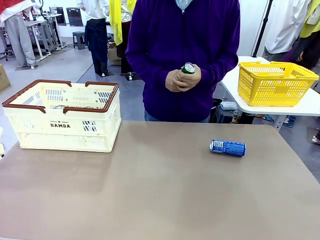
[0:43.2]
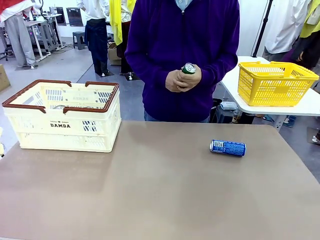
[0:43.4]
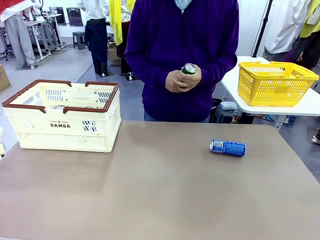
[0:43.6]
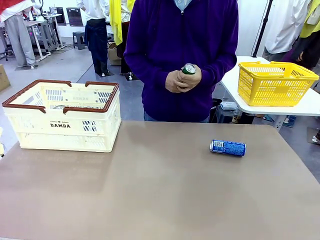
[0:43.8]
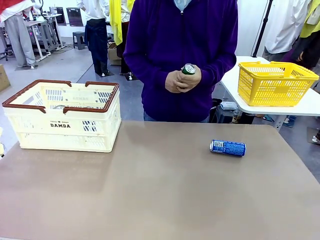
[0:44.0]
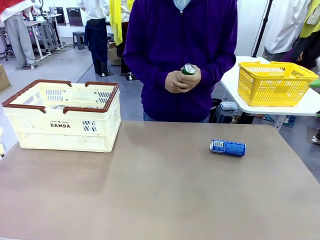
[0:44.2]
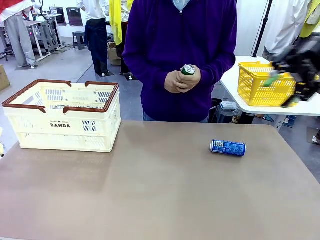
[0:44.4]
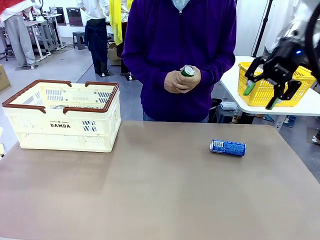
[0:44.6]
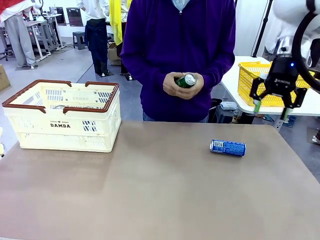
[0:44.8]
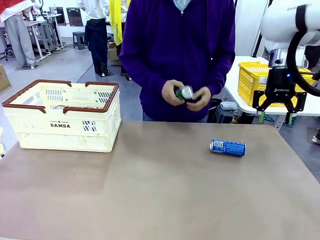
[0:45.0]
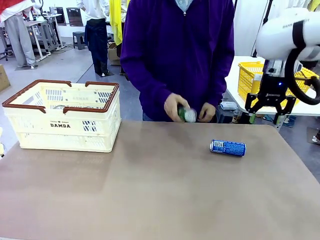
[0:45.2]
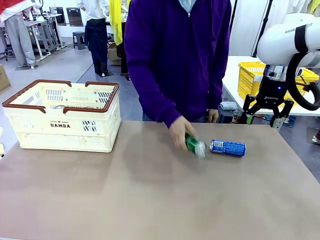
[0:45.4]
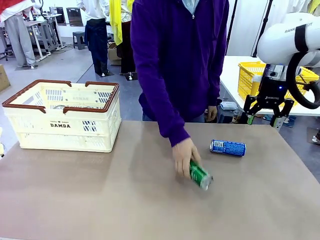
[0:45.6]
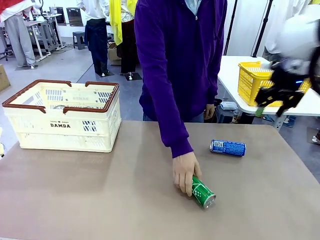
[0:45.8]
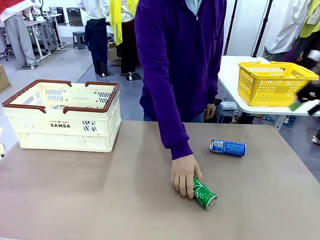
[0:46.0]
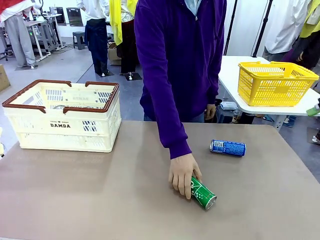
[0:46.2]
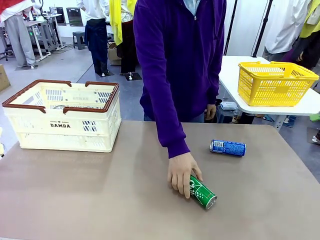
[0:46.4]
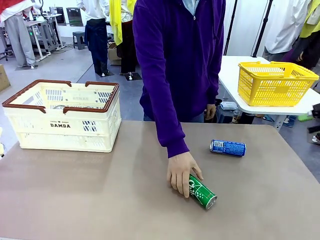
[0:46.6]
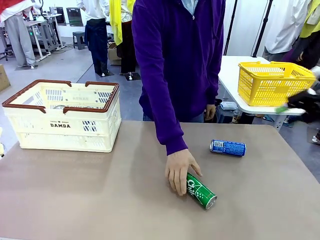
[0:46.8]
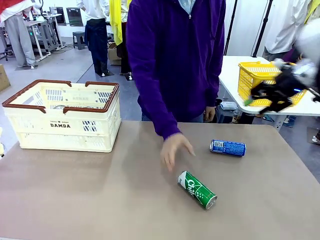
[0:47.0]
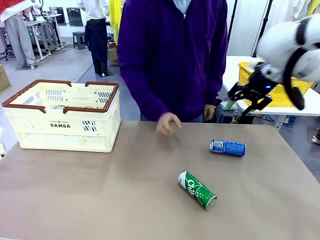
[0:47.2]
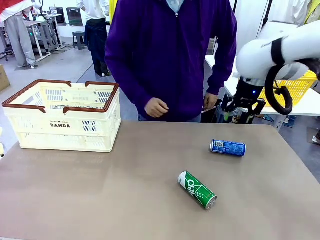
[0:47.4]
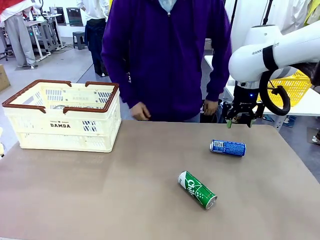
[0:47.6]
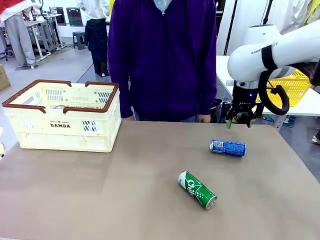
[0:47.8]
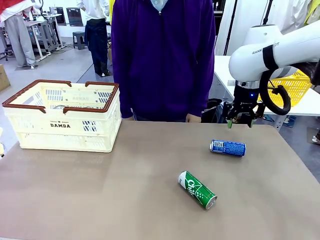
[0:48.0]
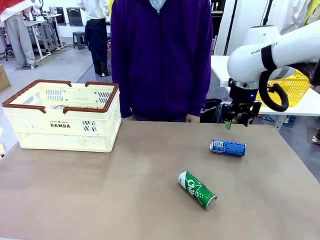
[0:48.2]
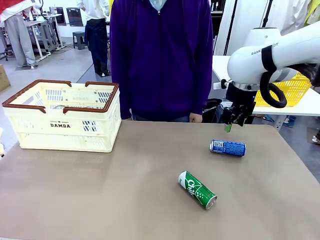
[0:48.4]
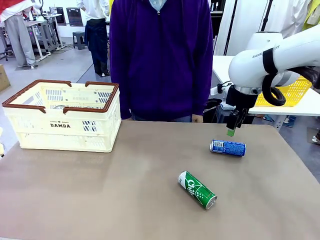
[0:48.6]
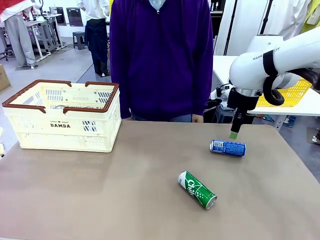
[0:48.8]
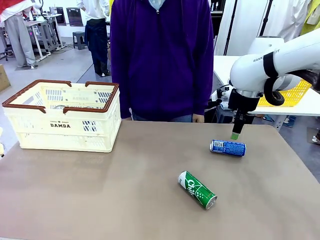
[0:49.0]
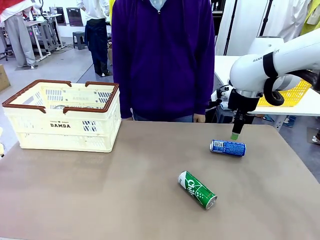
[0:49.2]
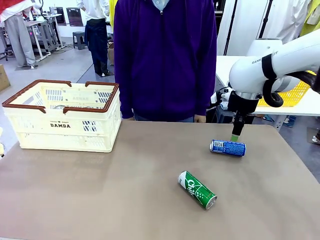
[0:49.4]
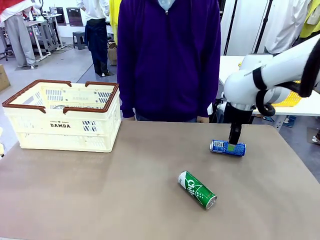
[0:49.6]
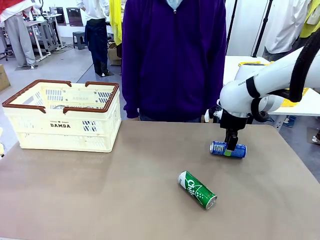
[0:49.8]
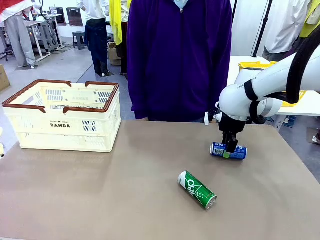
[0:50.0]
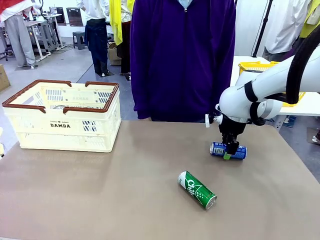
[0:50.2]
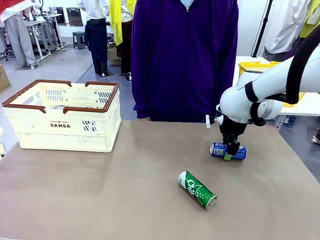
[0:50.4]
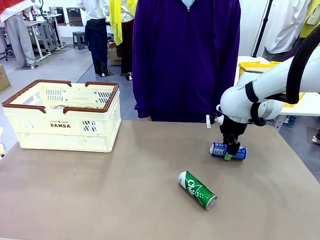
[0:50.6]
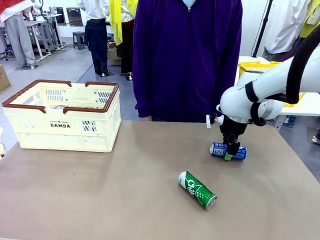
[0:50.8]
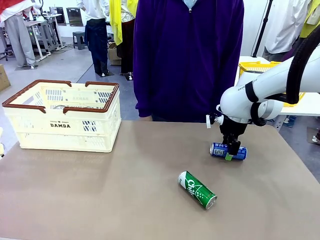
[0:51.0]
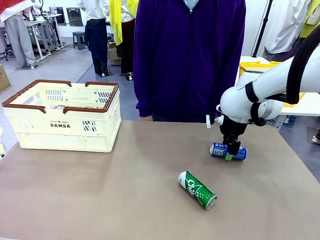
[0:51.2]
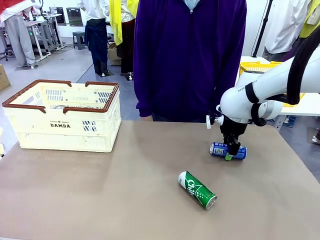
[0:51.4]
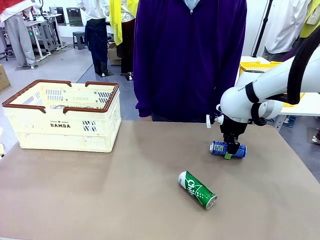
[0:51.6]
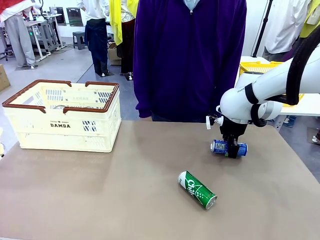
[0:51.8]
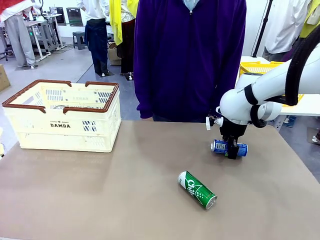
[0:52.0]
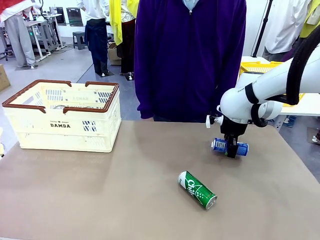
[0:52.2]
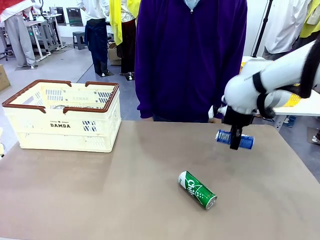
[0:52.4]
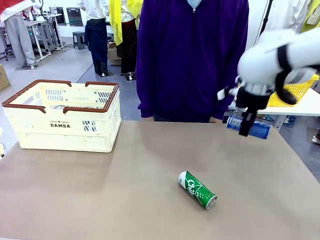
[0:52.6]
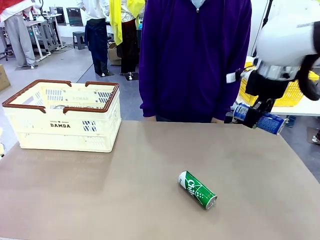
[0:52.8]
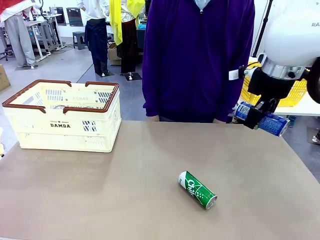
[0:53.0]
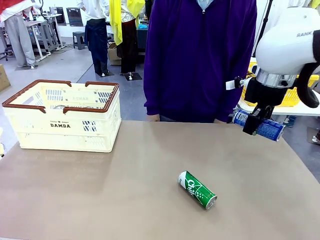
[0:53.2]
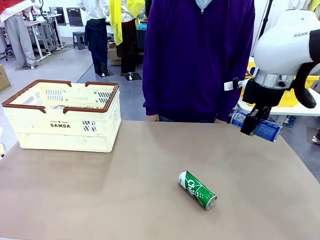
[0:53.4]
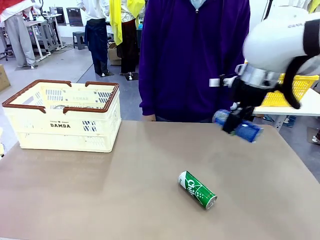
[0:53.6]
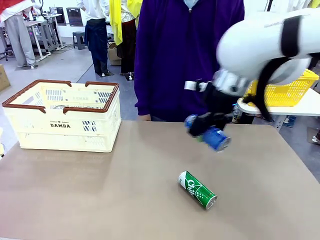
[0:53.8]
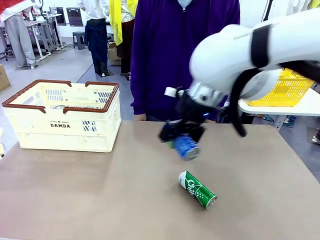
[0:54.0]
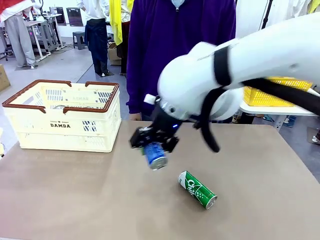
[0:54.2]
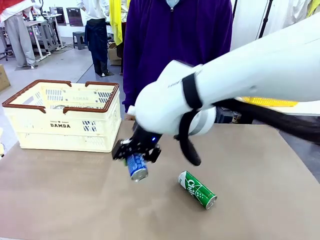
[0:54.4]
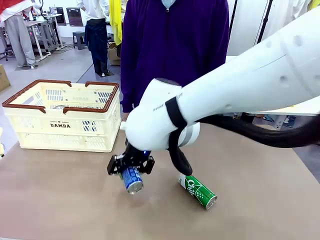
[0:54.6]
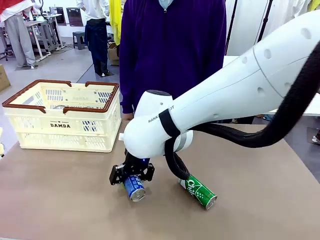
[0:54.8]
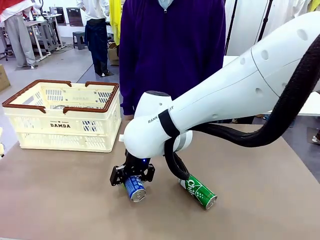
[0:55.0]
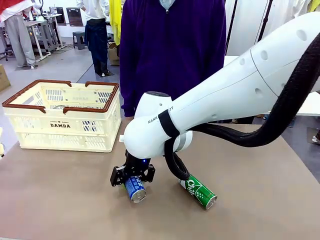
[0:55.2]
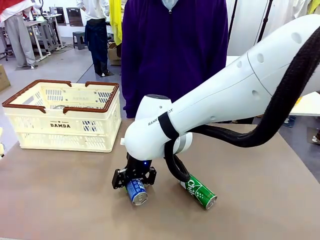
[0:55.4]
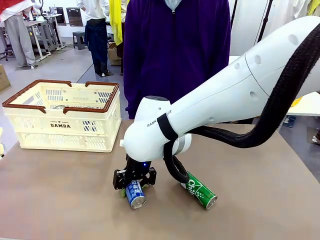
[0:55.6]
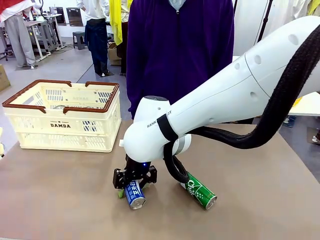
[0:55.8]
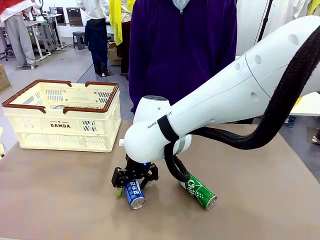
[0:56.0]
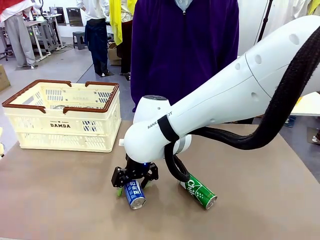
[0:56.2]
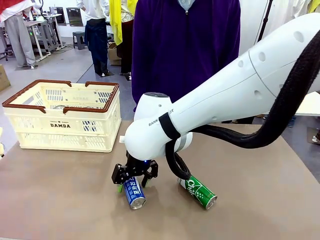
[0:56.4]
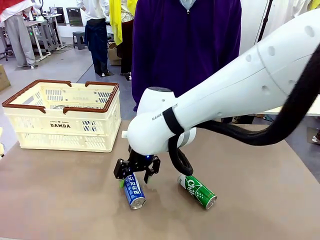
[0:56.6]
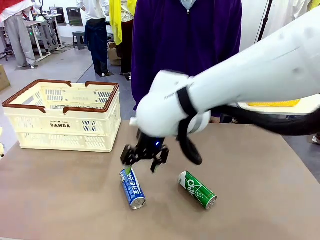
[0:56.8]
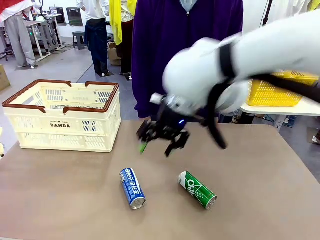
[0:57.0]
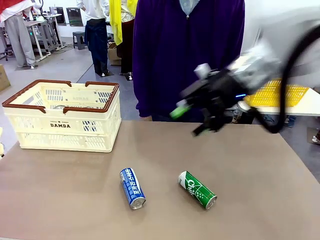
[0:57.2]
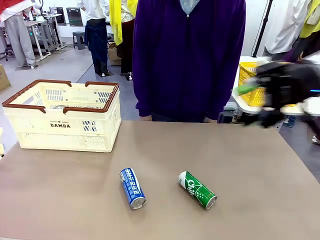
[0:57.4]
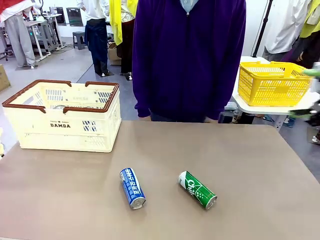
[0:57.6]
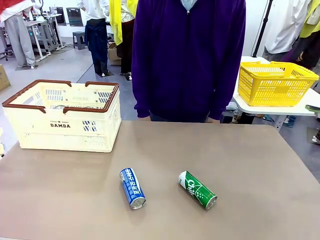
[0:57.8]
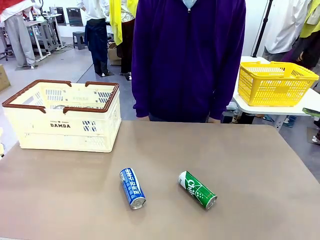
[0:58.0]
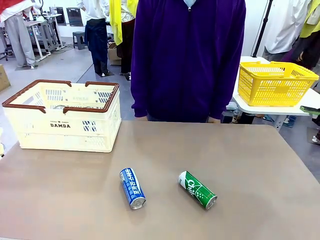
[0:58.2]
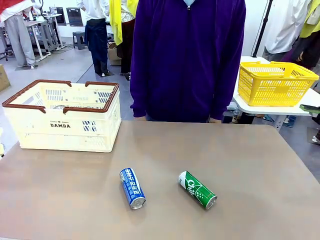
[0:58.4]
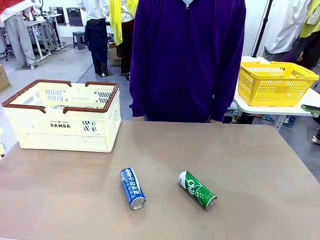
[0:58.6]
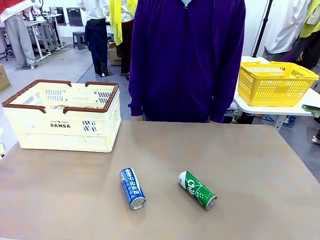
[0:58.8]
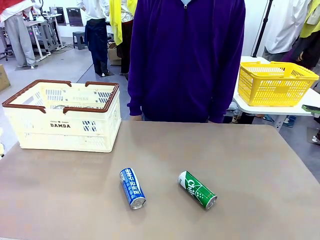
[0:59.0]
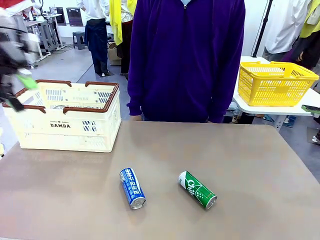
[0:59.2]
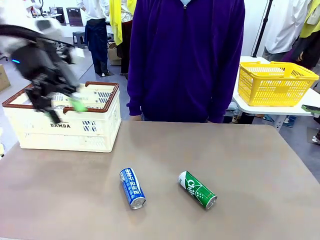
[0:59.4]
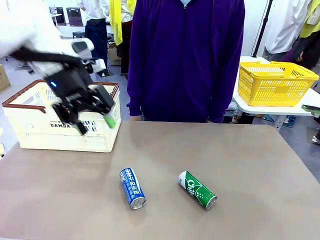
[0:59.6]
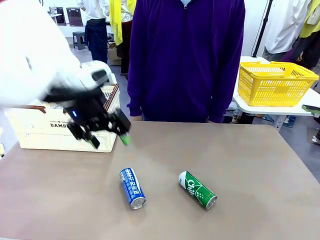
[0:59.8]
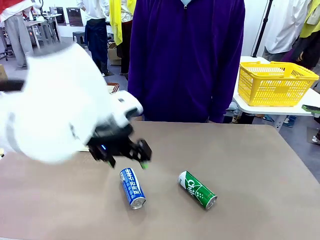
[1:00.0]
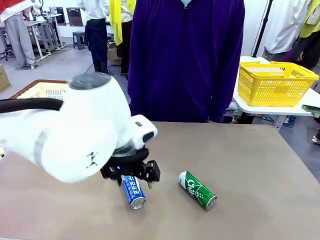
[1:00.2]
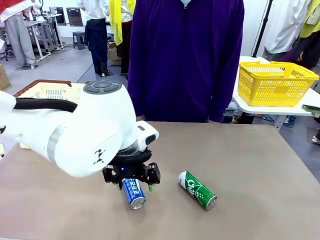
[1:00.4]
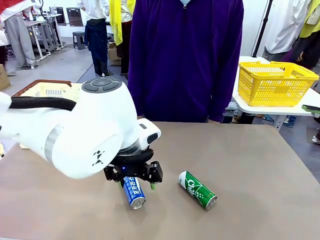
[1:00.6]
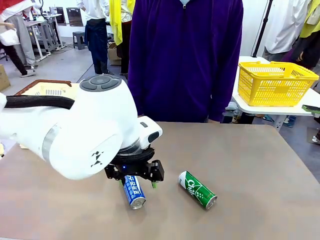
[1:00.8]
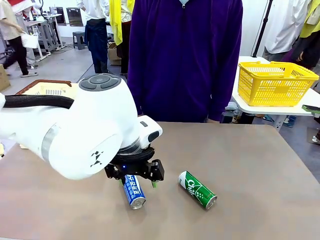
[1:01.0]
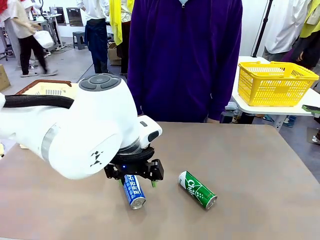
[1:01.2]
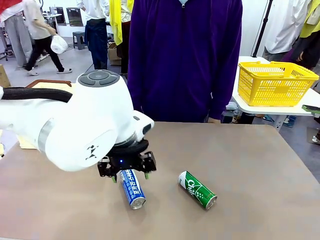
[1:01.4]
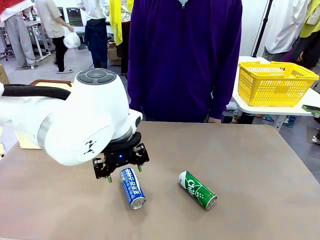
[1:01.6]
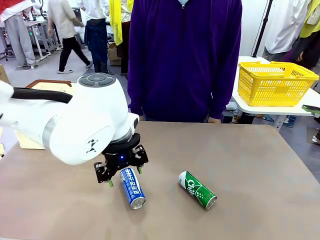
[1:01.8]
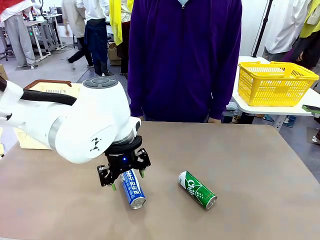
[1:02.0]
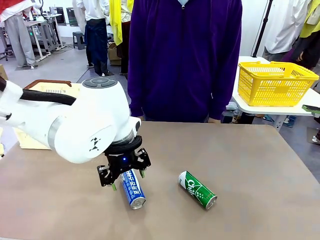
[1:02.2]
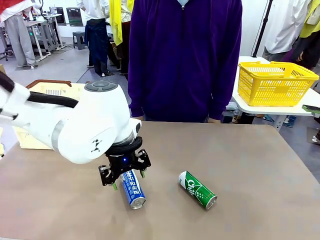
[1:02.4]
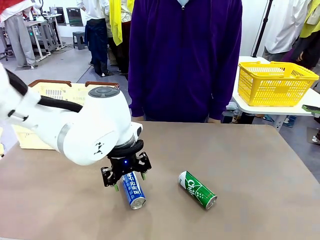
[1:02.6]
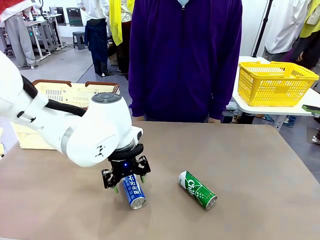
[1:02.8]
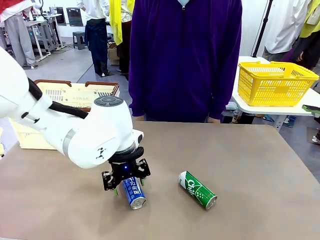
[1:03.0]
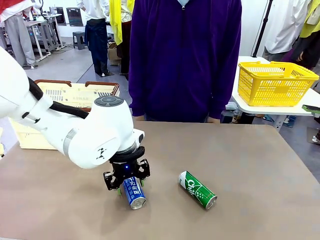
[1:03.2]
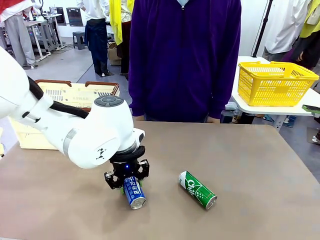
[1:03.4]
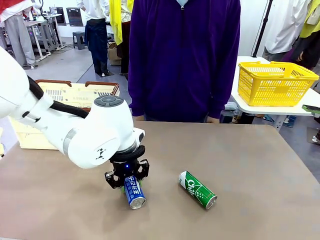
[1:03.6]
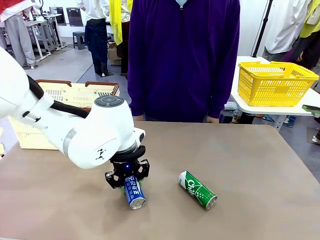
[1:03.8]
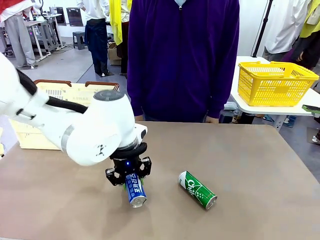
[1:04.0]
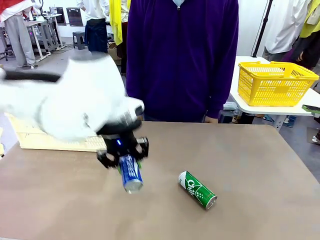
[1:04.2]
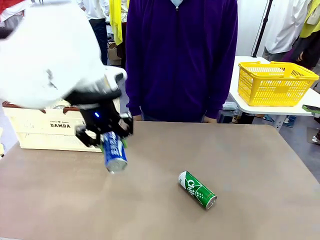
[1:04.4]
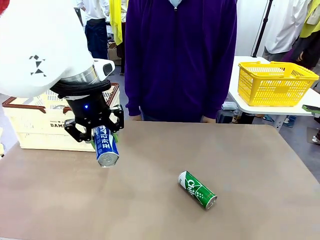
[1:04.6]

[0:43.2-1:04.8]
Task: Place the drinks into the Shopping basket.
Robot: Pick up one drink and place it into the Shopping basket.
